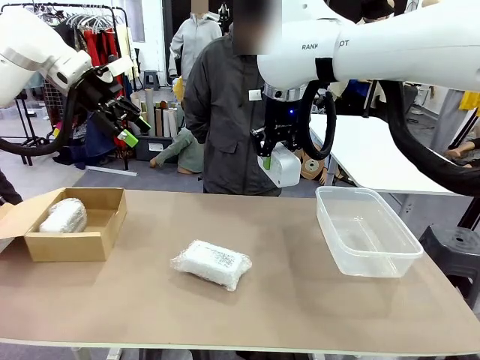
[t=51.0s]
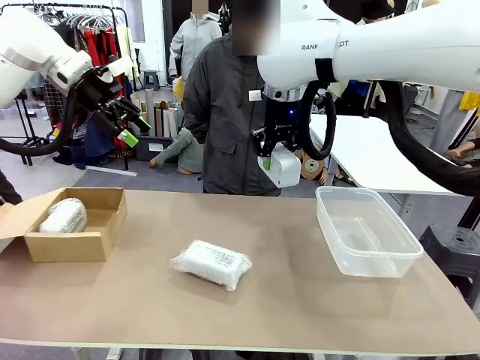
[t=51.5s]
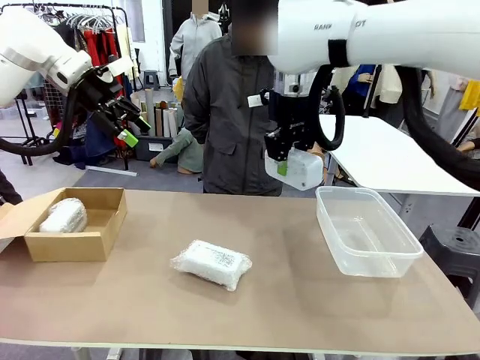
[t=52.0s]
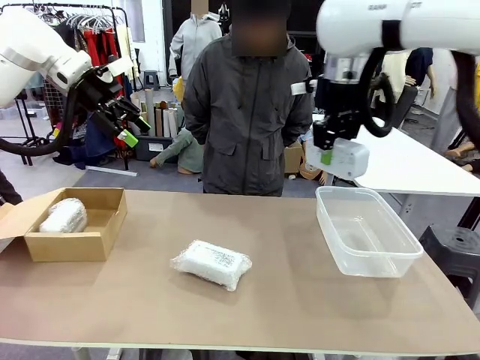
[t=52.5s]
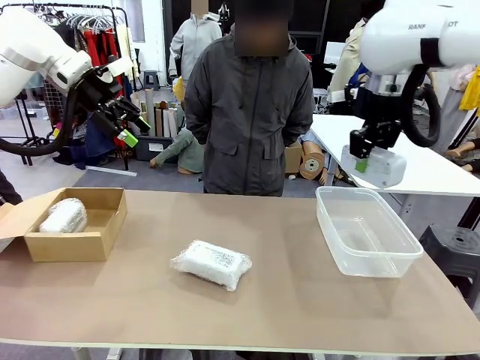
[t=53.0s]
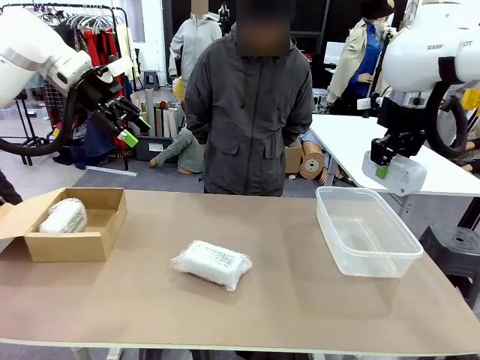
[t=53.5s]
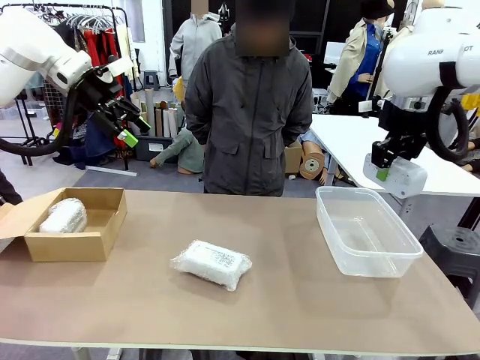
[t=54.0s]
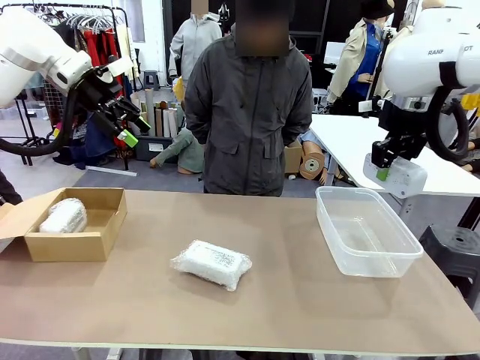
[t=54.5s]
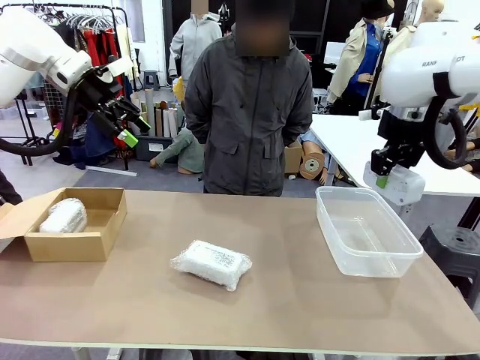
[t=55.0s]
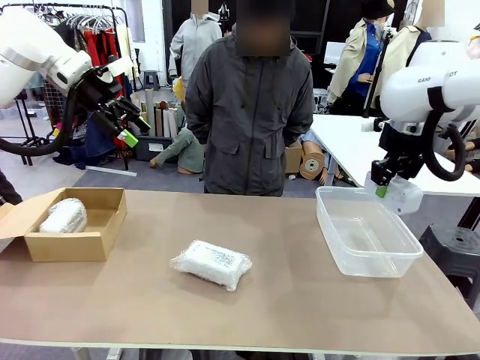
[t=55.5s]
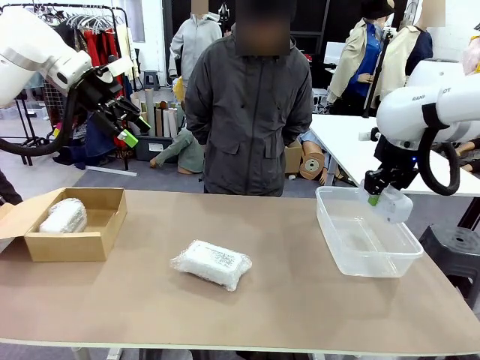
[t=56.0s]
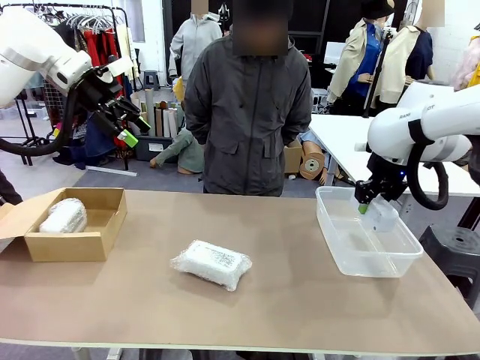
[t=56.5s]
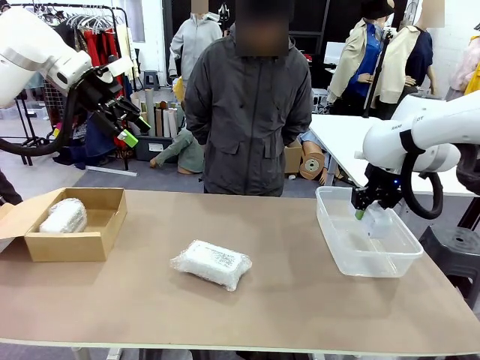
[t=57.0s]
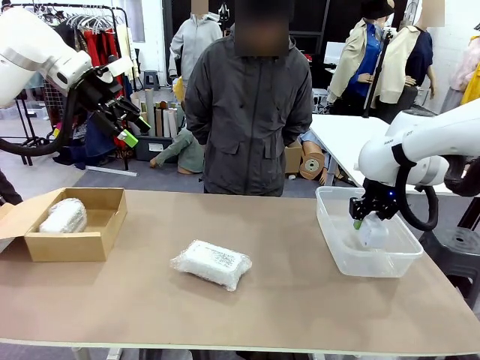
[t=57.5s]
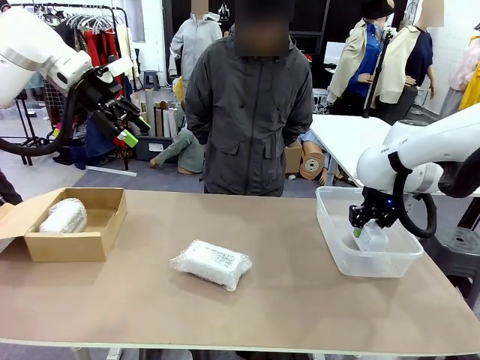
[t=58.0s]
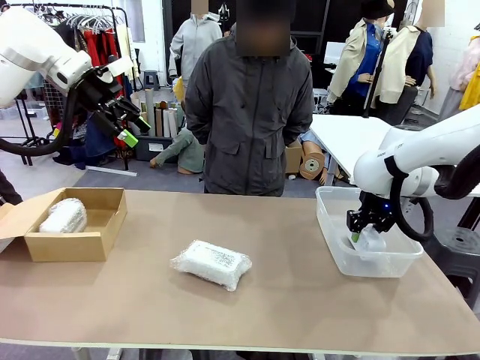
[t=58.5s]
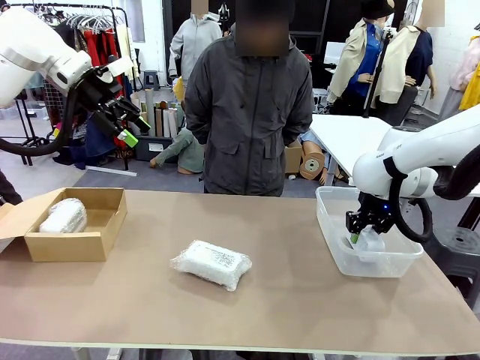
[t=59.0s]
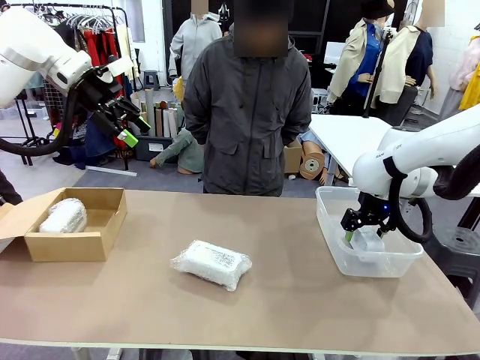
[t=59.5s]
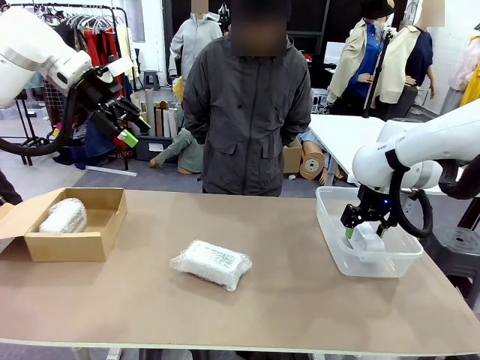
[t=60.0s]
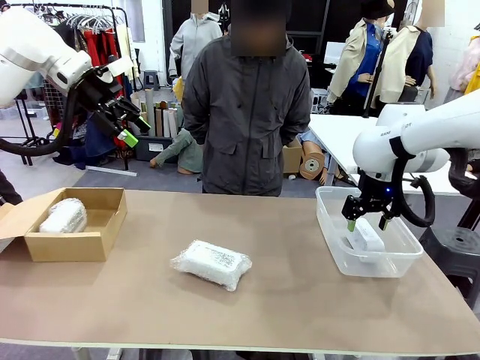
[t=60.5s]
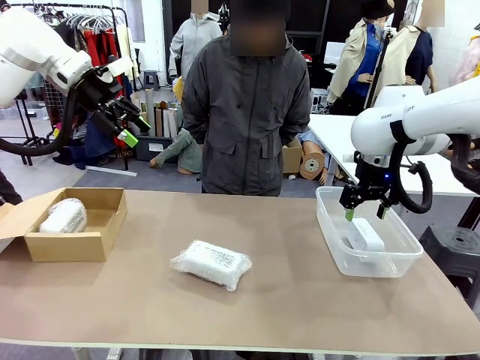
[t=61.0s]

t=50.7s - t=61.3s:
Task: Separate and place wrapped and unwrapped clocks.
Robot: If the picked Digital clock is wrapped, place it in the Package Box ; if not, place it in the Organizing box.

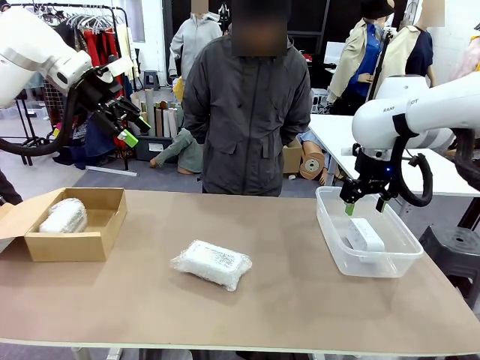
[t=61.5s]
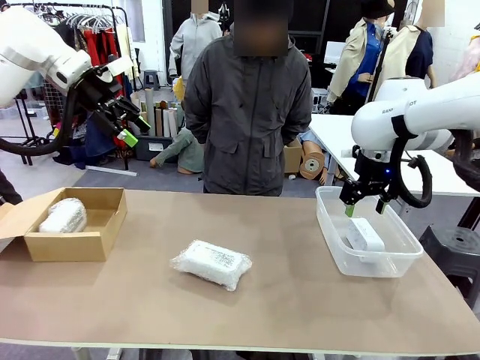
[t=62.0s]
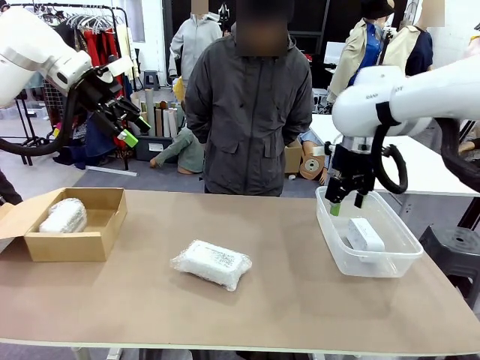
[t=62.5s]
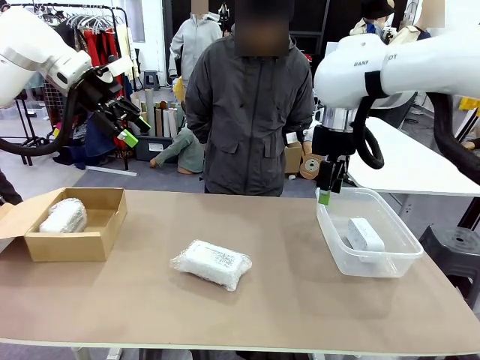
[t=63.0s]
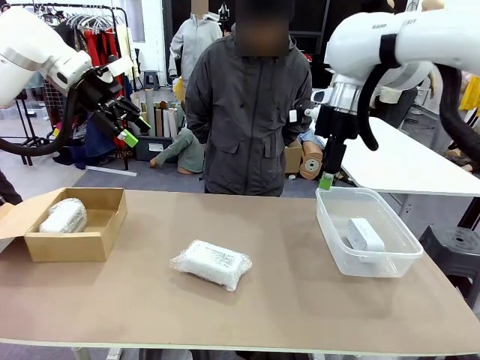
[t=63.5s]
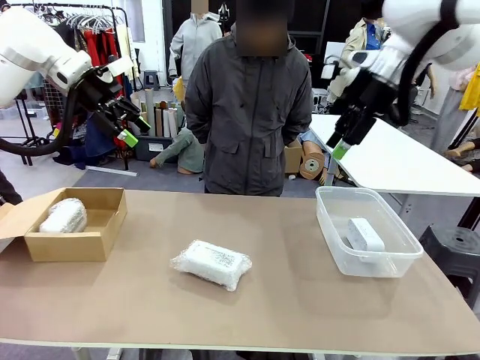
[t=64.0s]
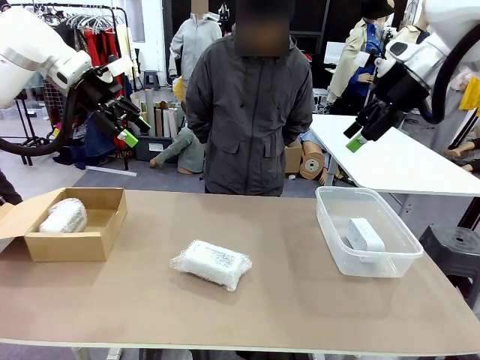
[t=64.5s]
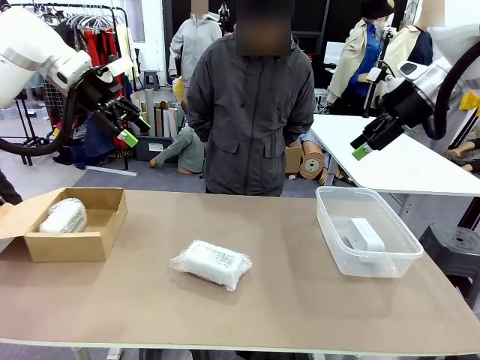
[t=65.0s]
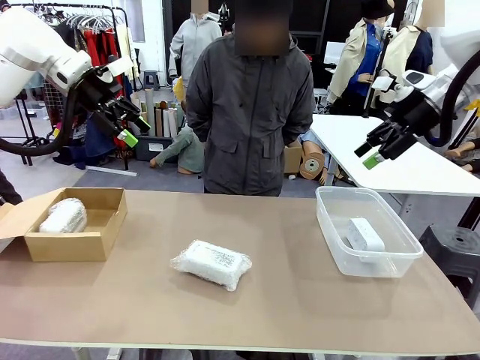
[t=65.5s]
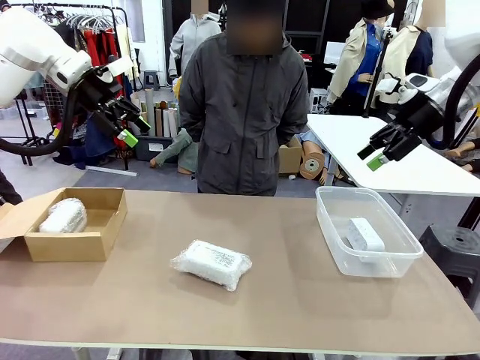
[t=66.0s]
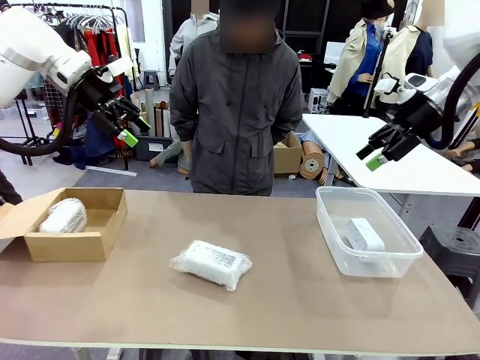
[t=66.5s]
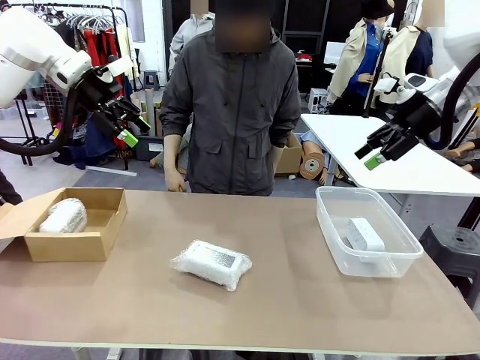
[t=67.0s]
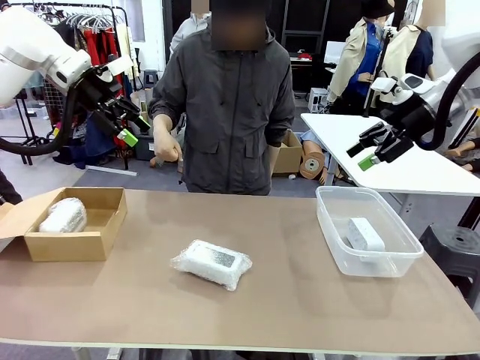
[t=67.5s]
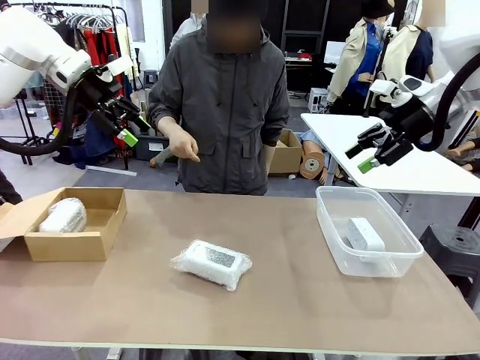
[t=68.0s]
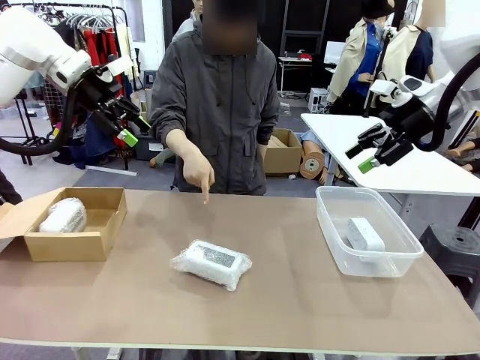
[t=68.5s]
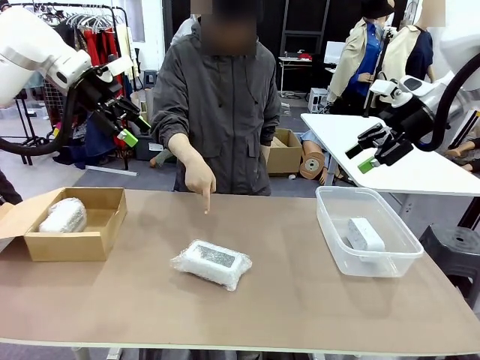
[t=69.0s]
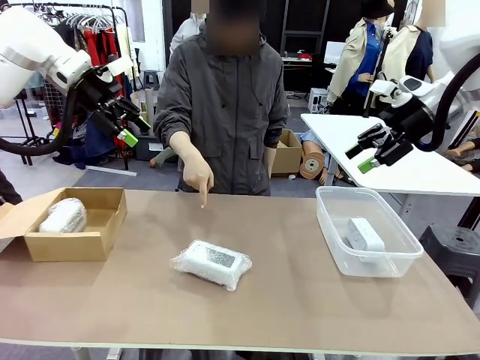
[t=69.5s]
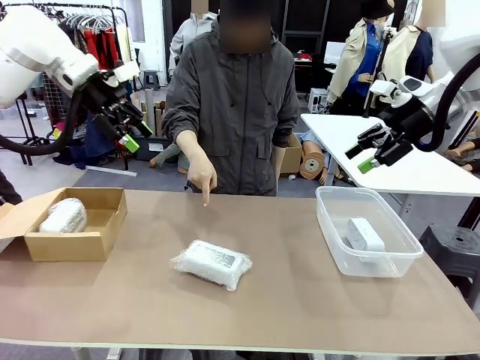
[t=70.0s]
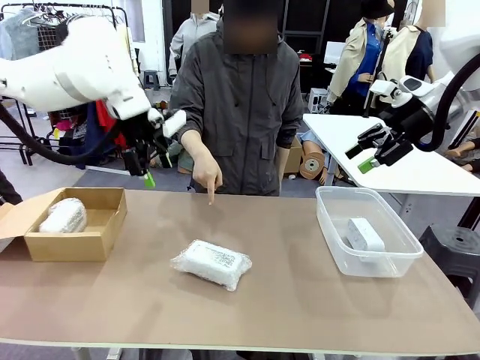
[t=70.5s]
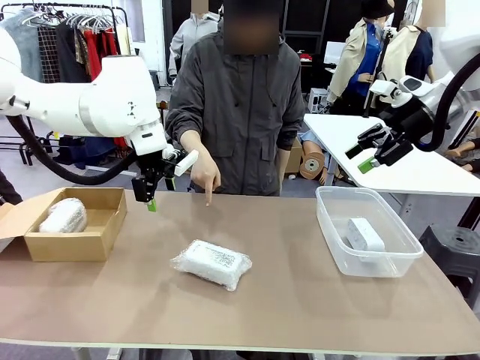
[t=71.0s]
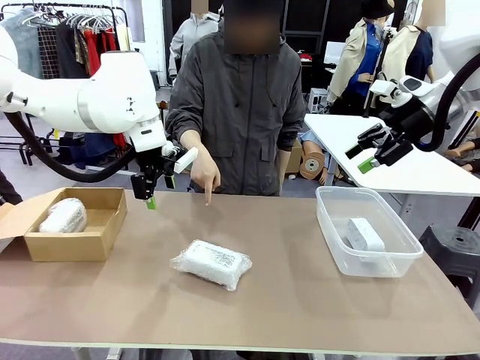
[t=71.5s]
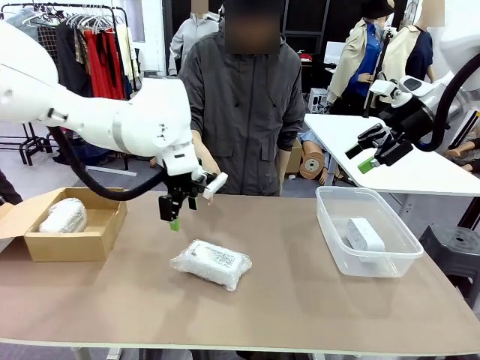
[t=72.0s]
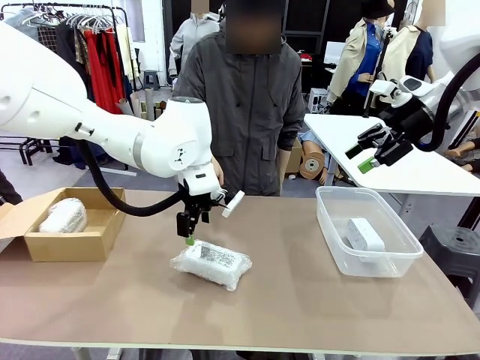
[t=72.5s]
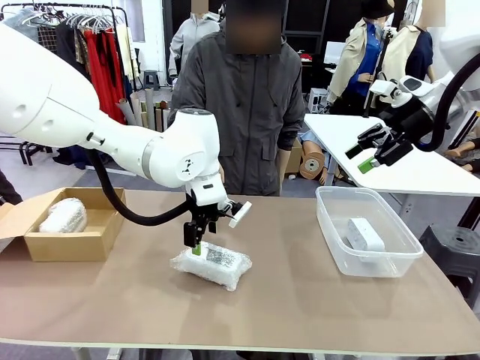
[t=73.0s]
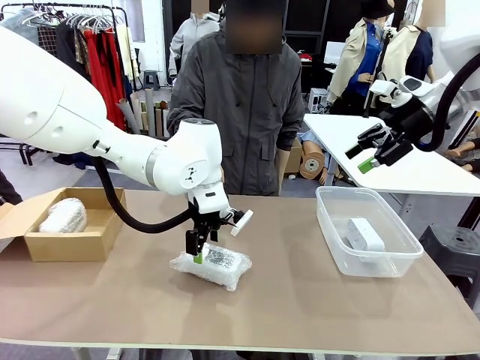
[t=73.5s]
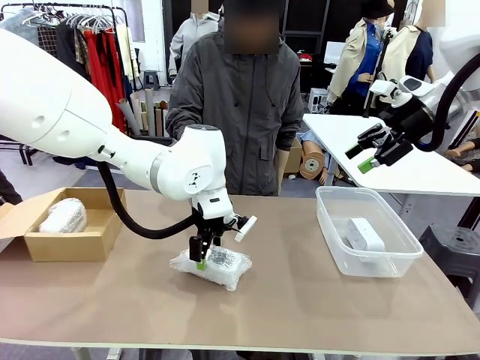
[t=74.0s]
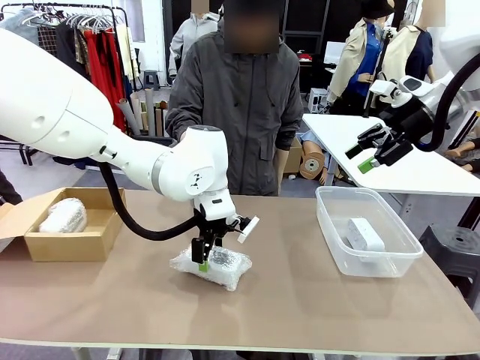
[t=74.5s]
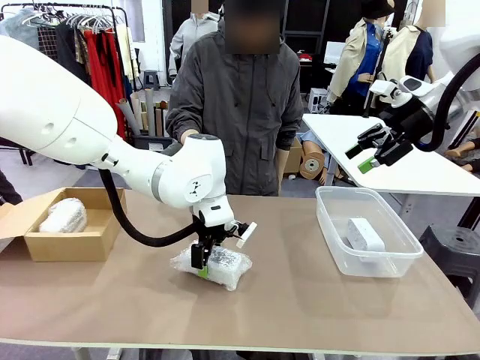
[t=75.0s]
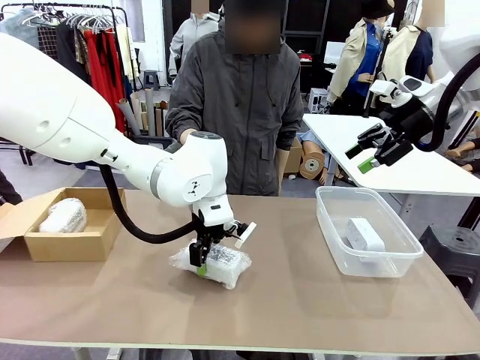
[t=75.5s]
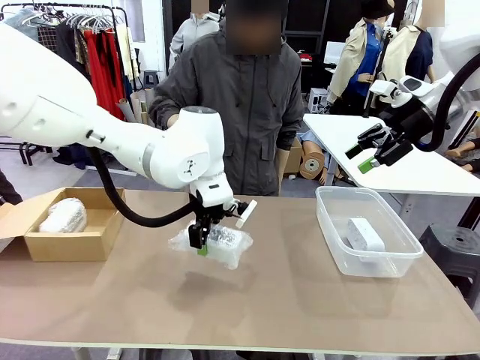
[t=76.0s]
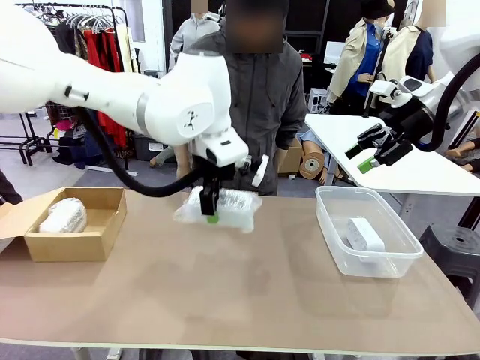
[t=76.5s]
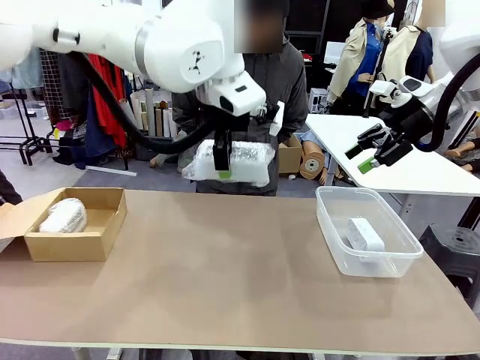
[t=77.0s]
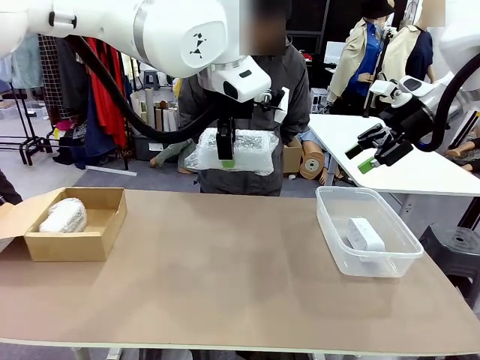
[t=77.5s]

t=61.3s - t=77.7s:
Robot: Pick up the Digital clock indicated by the person.
